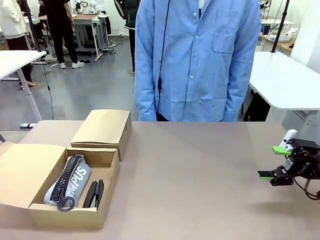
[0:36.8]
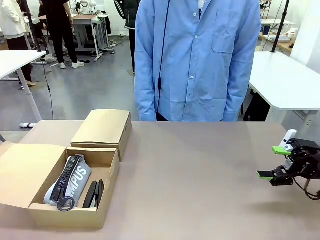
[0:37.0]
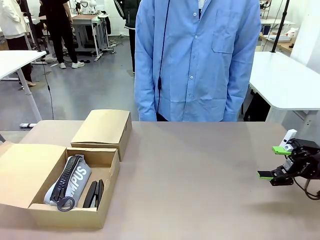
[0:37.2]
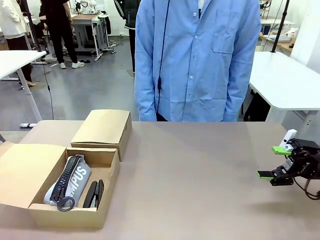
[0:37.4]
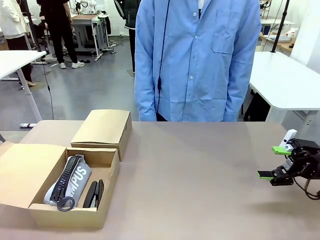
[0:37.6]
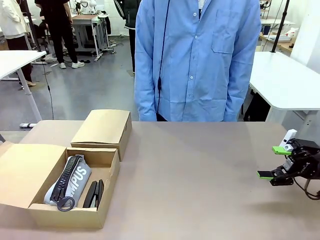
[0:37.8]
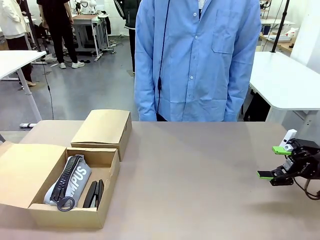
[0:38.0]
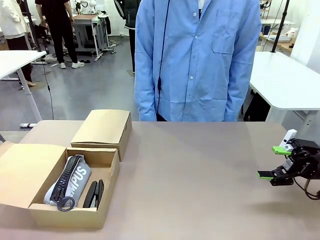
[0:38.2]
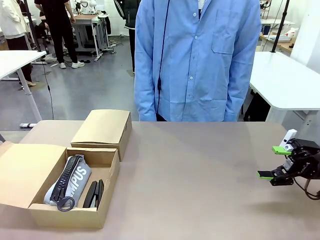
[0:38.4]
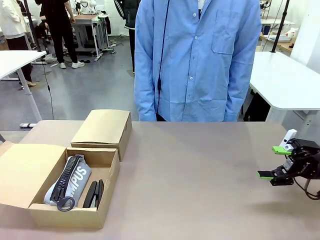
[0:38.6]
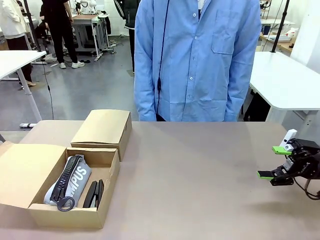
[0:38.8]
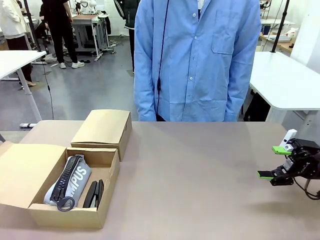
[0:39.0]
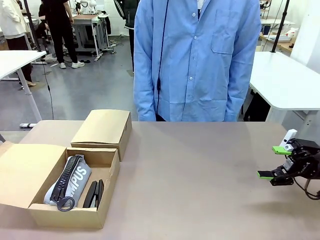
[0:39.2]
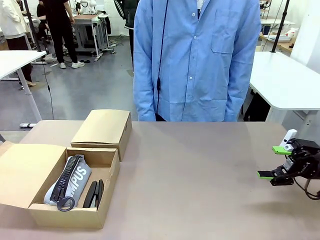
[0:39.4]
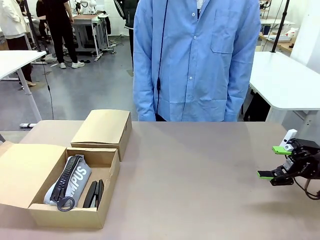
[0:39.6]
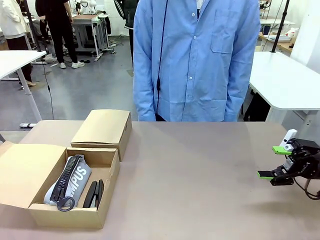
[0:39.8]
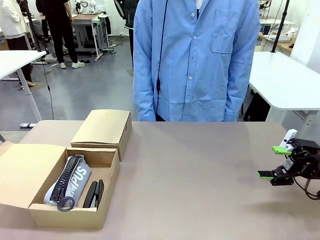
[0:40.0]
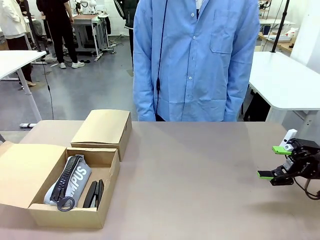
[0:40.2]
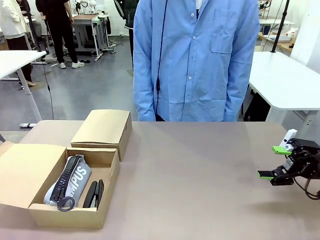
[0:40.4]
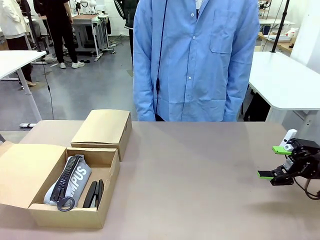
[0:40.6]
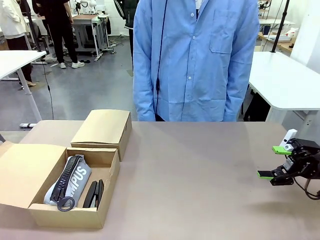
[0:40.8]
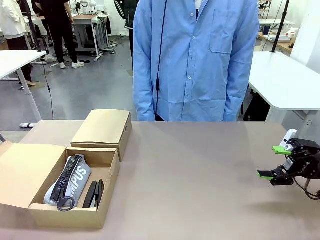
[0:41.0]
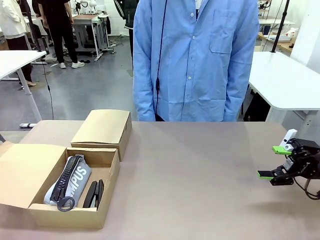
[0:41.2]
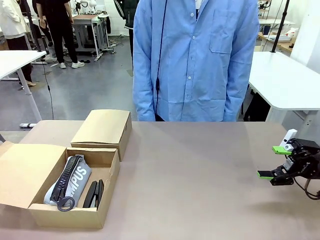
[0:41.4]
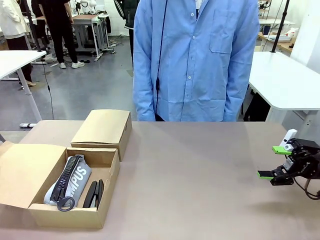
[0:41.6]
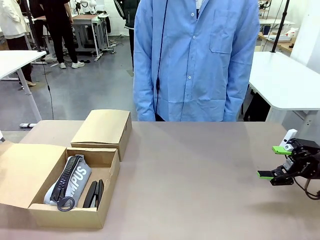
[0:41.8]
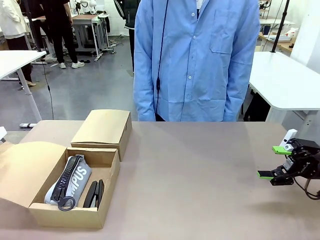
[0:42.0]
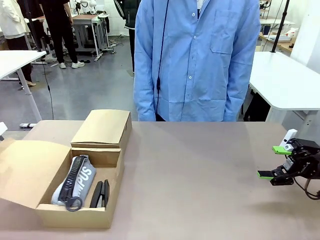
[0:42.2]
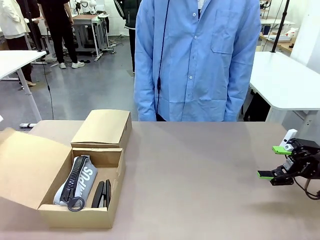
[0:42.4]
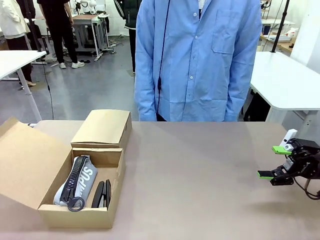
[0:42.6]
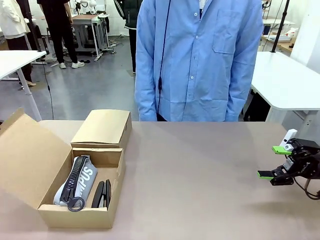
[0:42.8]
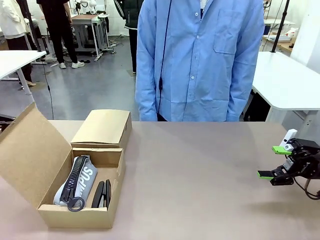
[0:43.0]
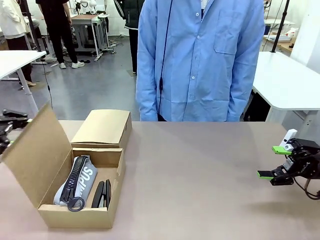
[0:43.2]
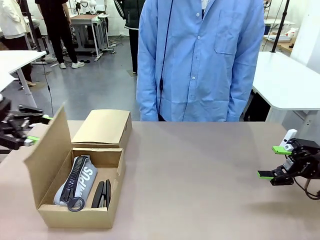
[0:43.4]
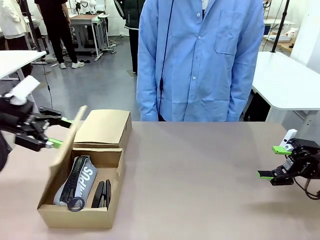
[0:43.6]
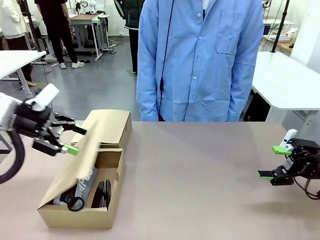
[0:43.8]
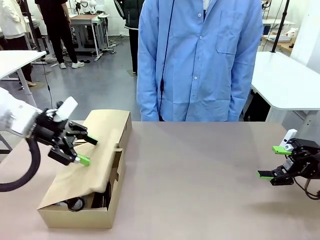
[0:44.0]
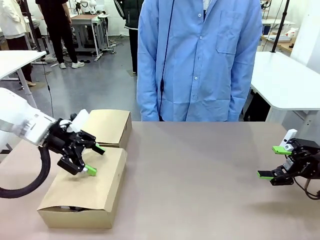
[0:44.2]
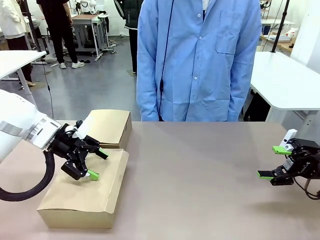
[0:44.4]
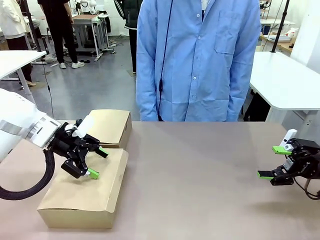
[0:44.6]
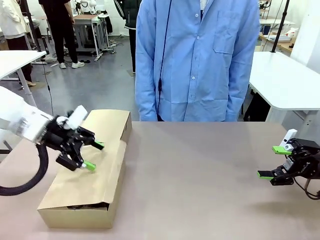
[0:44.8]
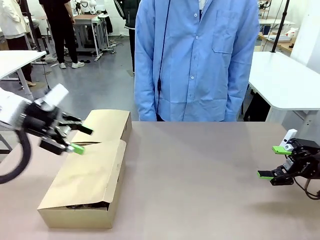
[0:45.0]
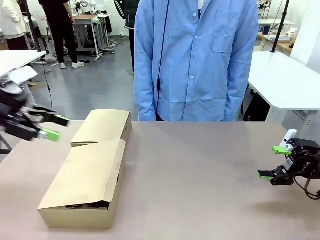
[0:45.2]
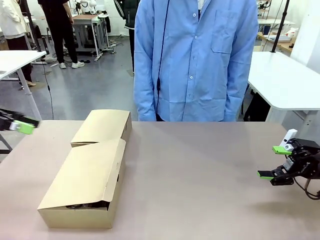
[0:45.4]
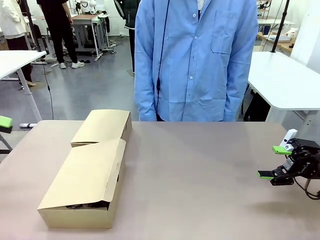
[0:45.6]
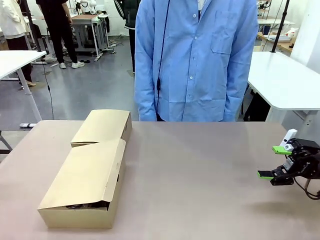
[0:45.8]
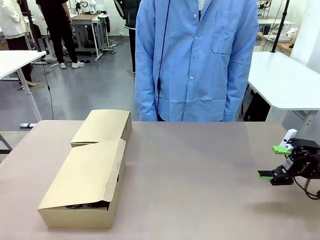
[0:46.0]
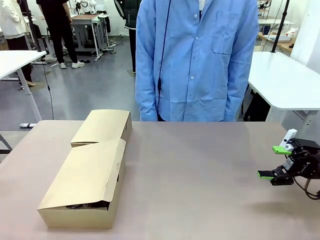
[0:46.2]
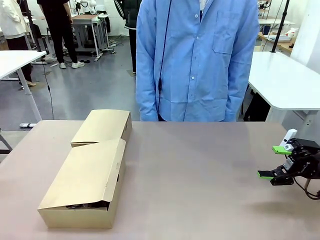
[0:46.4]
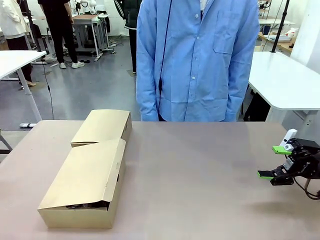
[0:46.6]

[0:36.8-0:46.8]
Task: Place items inside the box.
Robot: Close the lid of the Mailer Box closest to the robot.

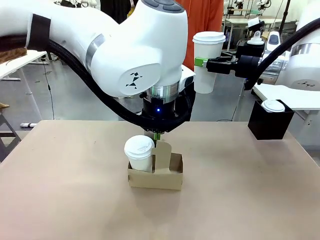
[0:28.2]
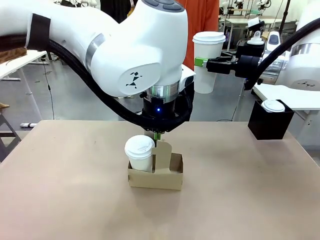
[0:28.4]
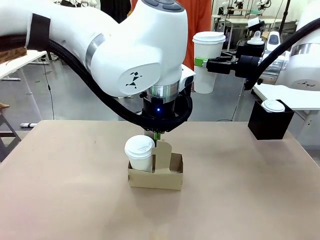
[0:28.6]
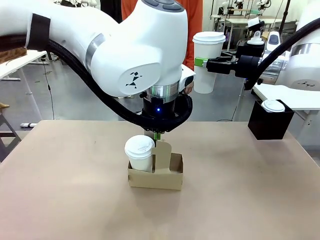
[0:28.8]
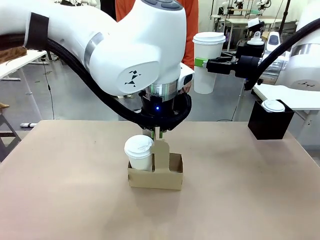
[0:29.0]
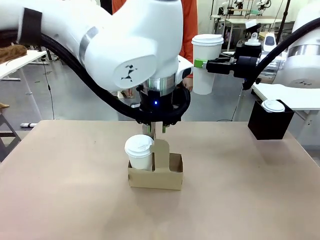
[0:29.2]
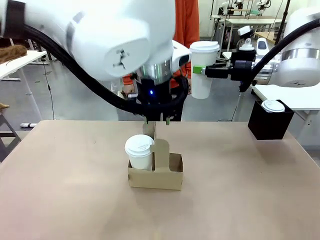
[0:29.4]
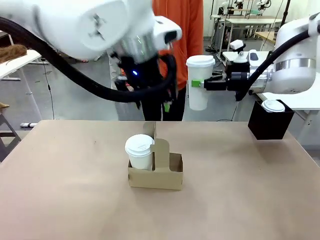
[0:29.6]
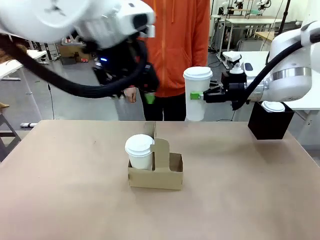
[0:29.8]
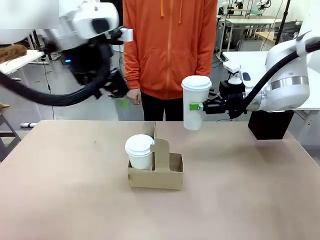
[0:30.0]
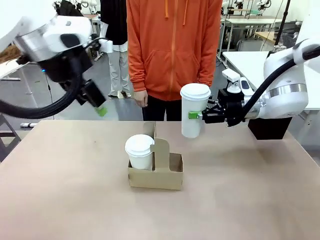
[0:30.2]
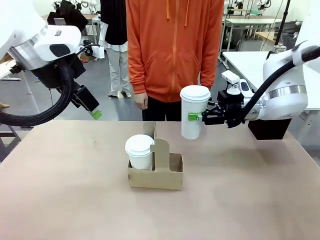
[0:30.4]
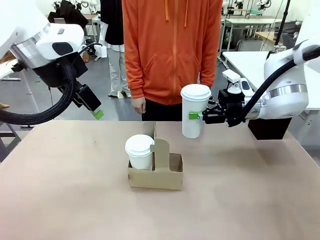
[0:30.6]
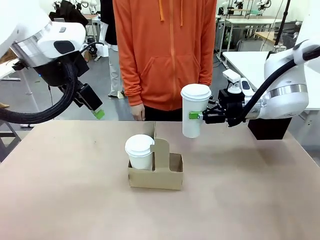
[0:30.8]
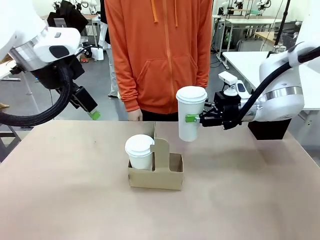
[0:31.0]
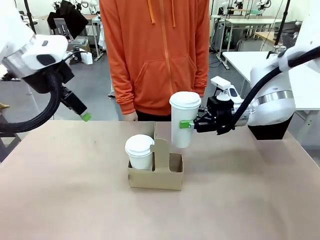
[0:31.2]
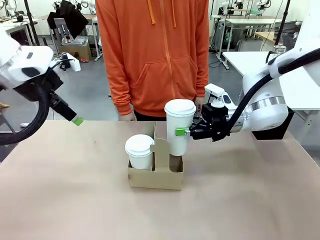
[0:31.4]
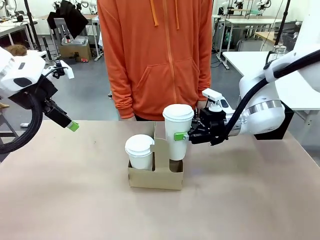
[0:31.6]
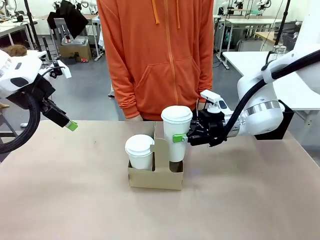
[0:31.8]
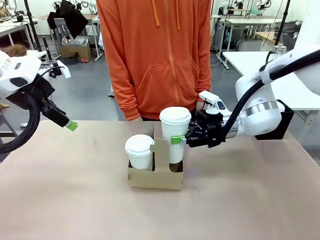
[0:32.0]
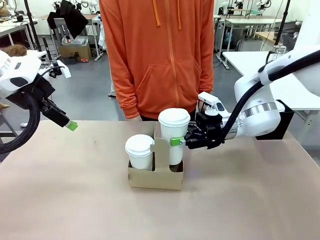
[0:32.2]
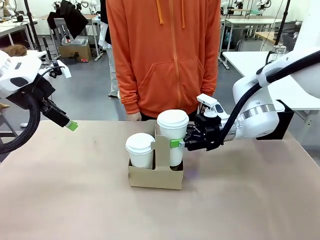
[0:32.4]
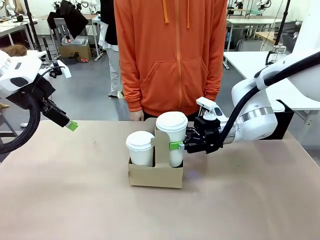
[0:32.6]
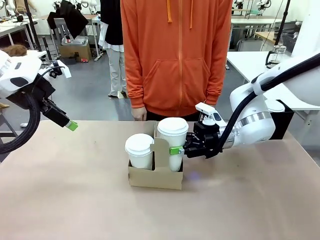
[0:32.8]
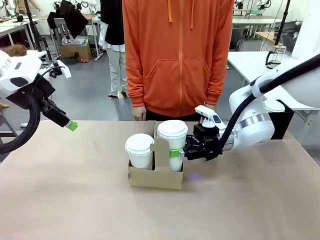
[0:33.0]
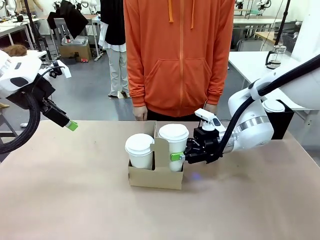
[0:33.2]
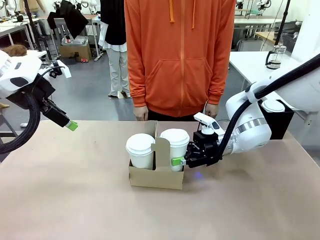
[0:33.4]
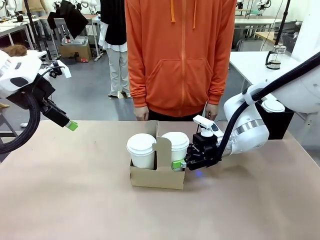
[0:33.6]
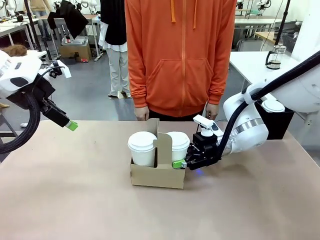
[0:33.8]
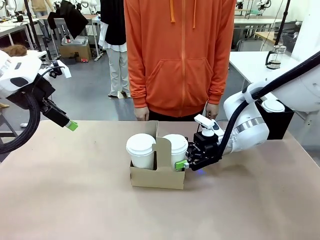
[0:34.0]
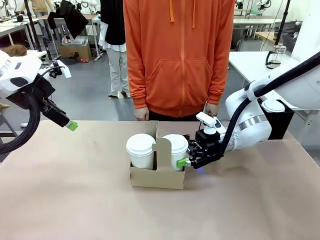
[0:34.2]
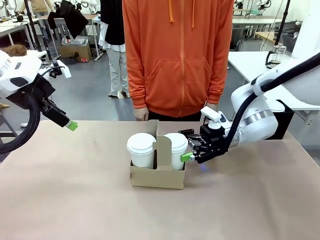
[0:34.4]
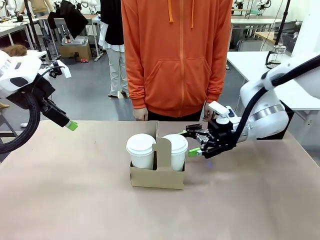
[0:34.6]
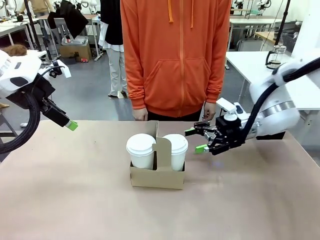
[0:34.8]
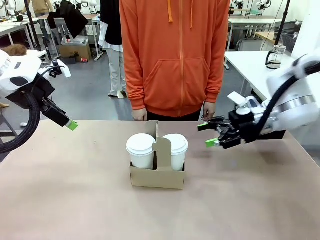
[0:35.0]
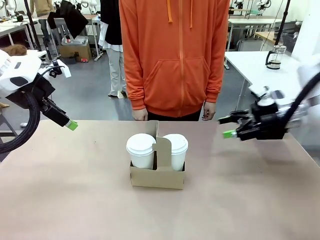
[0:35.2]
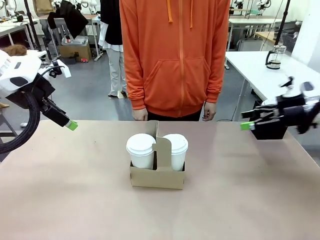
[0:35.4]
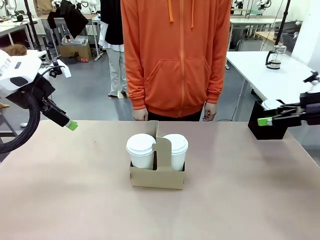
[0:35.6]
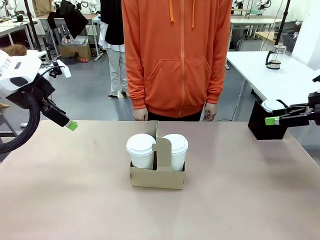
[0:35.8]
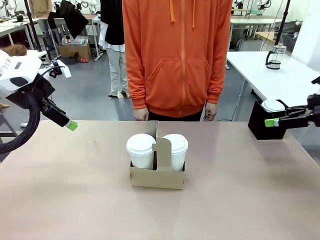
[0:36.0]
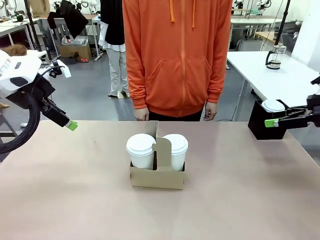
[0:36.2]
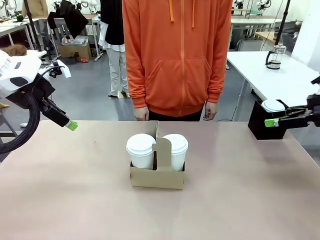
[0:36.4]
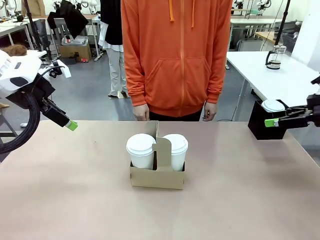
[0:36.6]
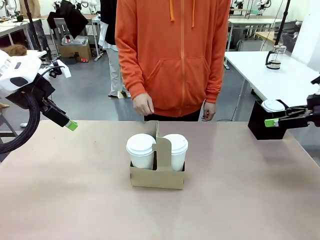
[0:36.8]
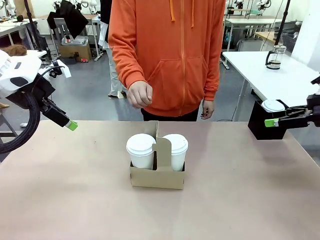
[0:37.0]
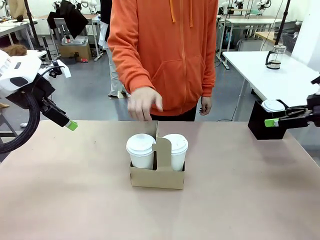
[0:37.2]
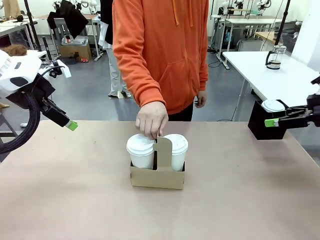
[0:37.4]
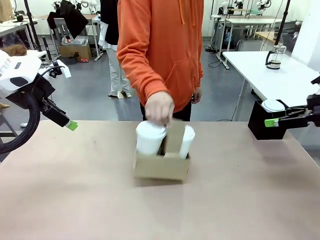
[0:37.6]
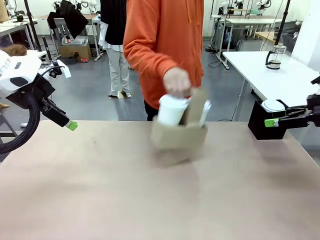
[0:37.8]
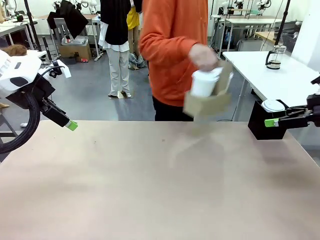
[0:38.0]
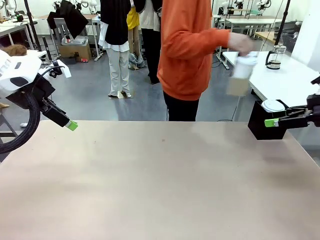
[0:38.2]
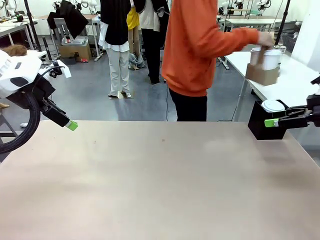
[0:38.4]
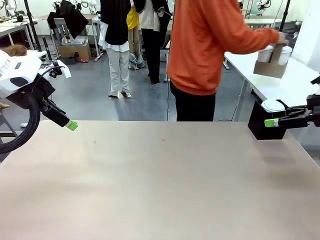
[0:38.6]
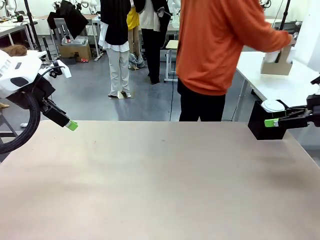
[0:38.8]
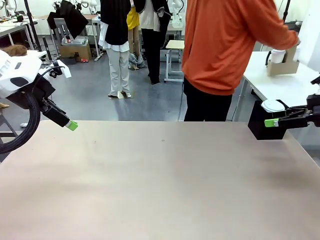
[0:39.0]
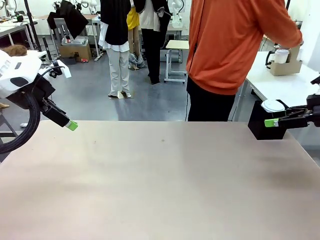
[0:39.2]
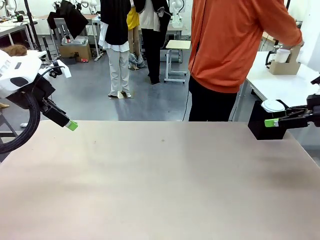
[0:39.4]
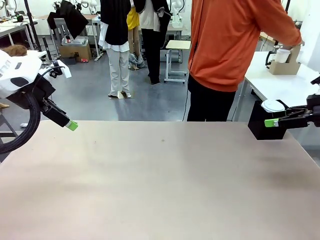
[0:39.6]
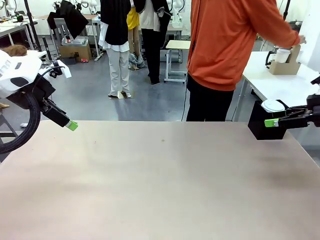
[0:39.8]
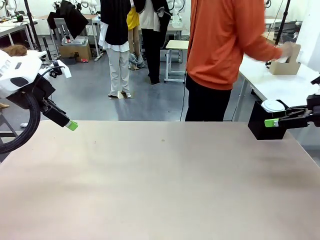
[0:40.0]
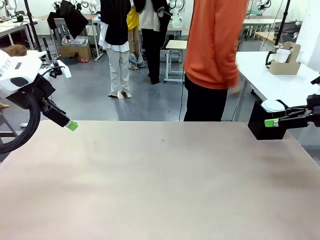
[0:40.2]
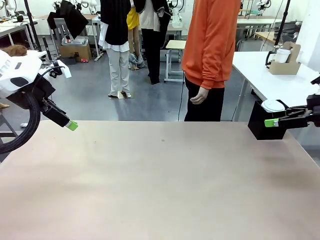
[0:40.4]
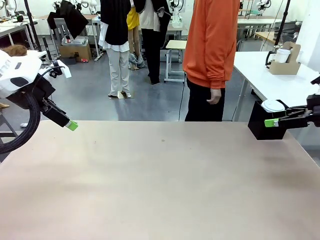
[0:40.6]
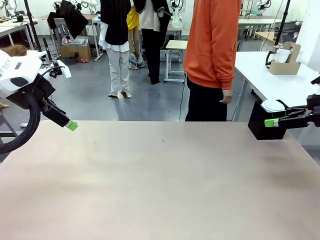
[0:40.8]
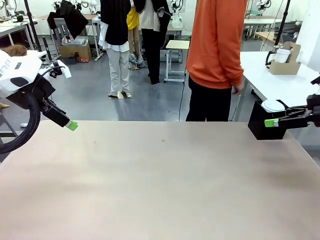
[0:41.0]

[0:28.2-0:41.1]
Task: Pour a drink into a cup and package it in a carrier.
Robot: Insert the held 600 ml Paper Cup into the Cup Carrier.
Person: Place the Cup Carrier to the middle of Human table.
